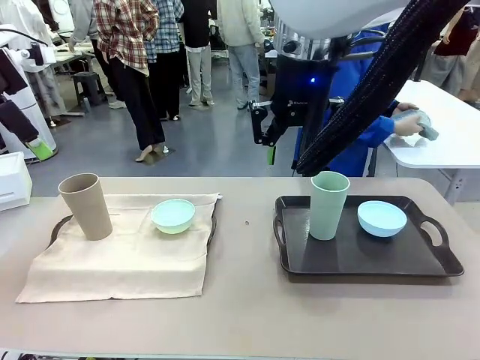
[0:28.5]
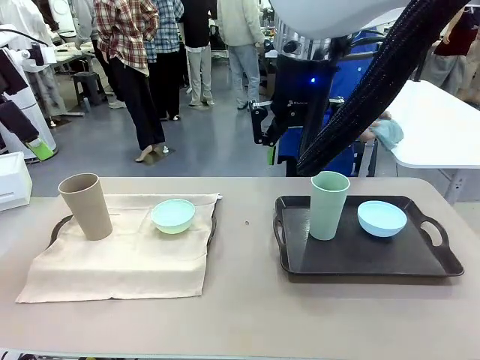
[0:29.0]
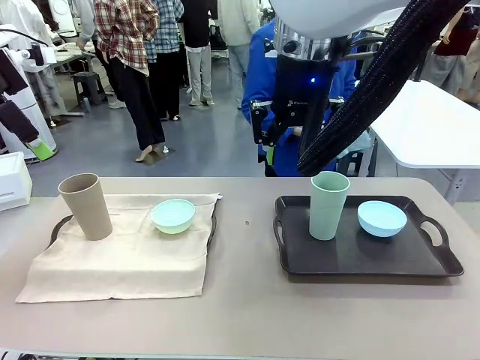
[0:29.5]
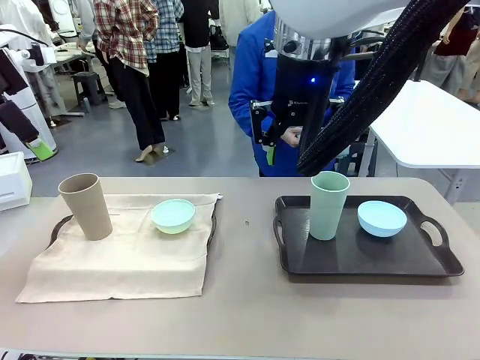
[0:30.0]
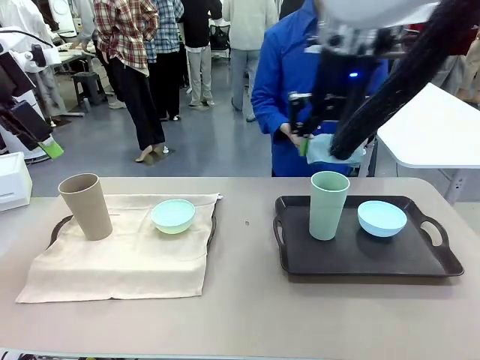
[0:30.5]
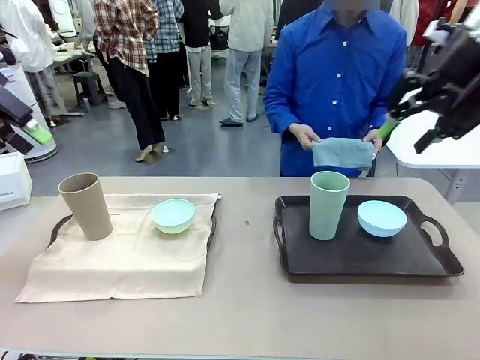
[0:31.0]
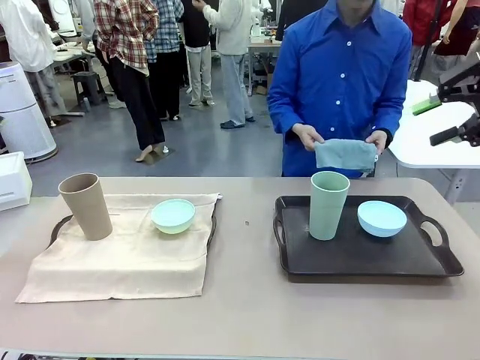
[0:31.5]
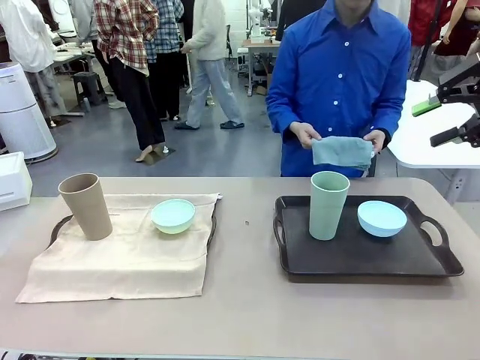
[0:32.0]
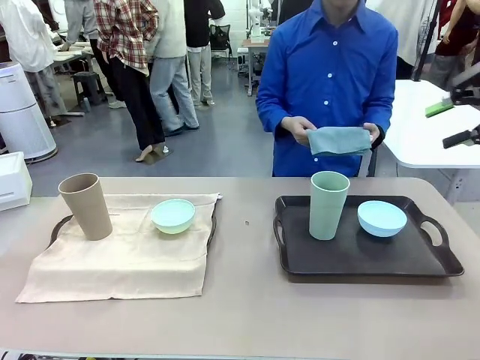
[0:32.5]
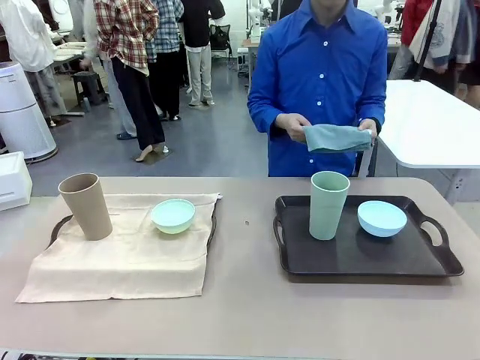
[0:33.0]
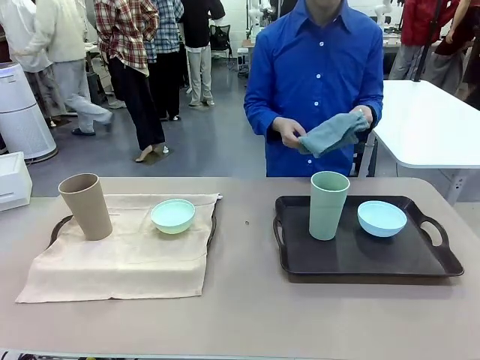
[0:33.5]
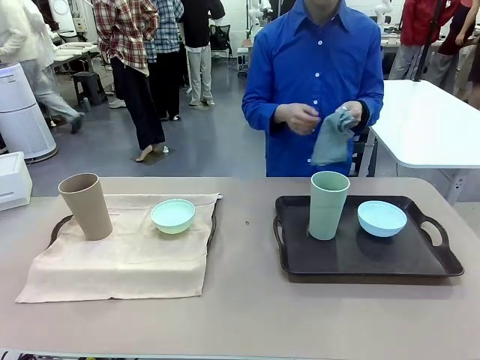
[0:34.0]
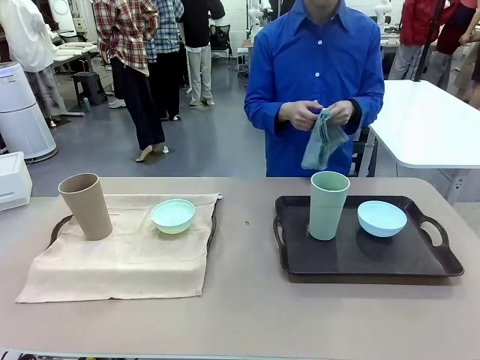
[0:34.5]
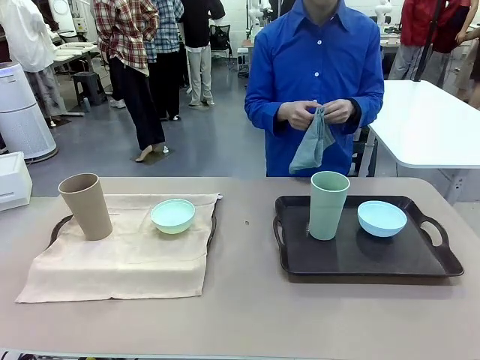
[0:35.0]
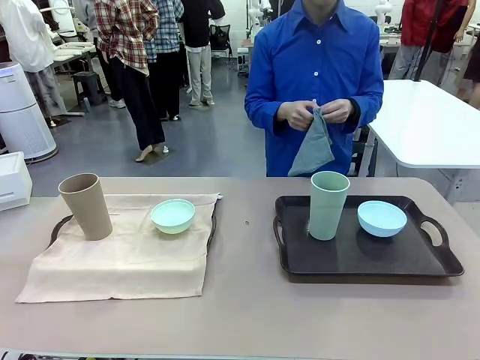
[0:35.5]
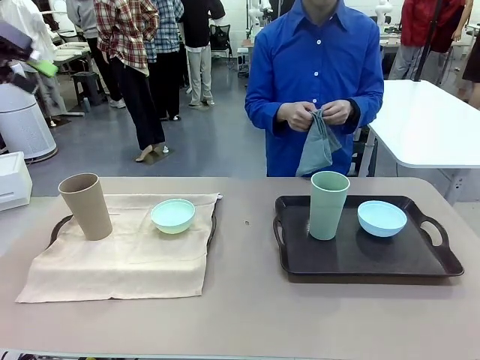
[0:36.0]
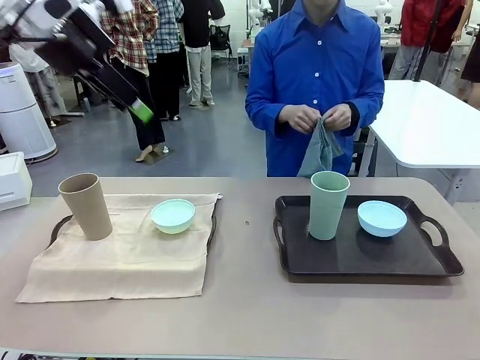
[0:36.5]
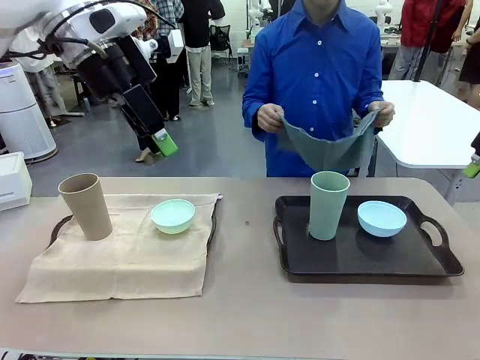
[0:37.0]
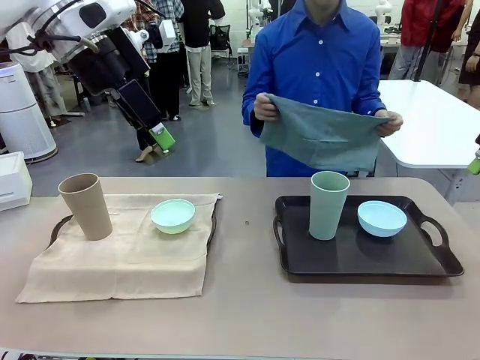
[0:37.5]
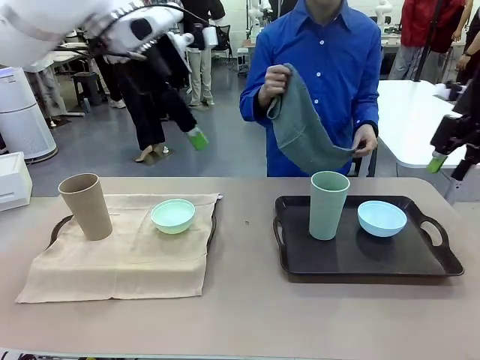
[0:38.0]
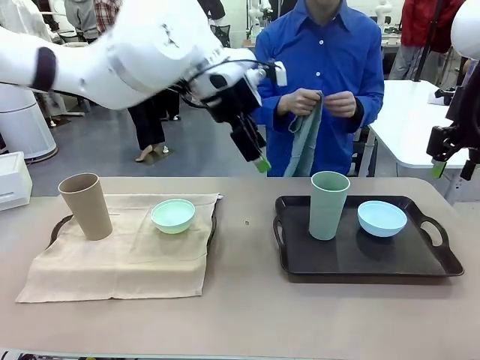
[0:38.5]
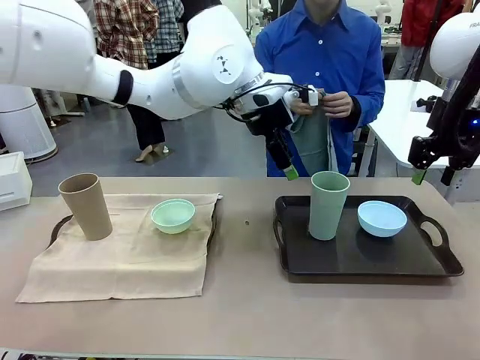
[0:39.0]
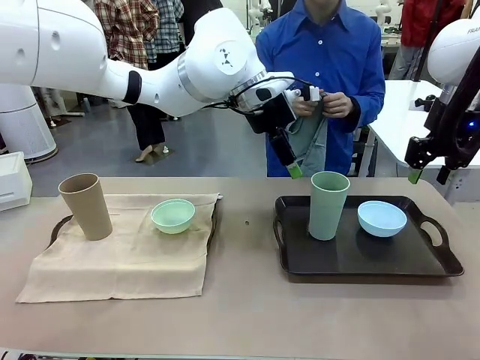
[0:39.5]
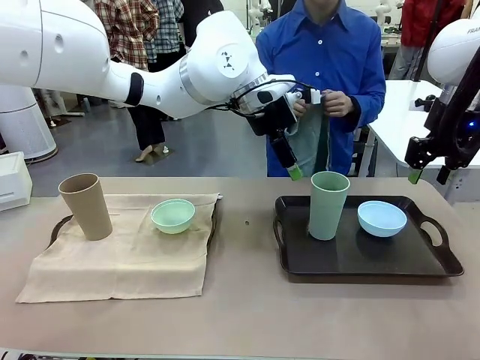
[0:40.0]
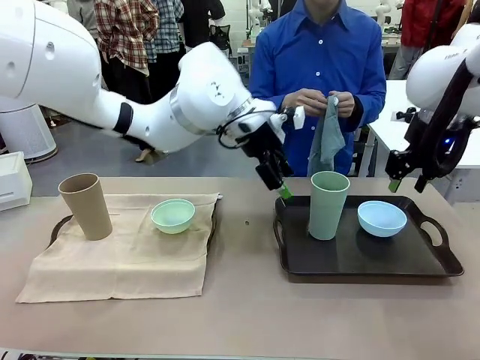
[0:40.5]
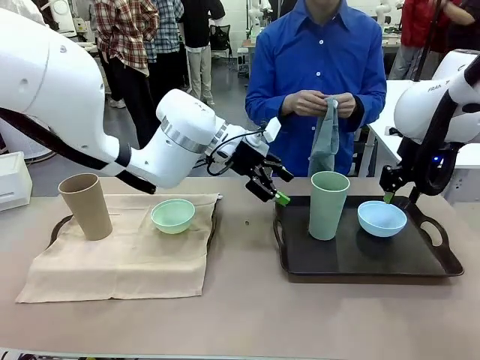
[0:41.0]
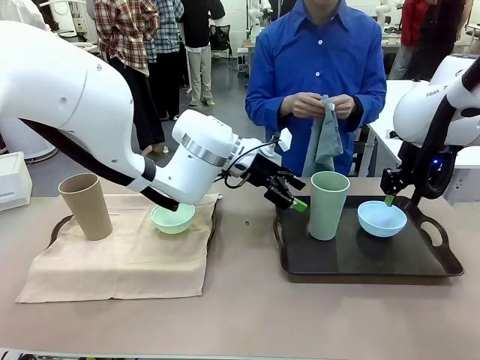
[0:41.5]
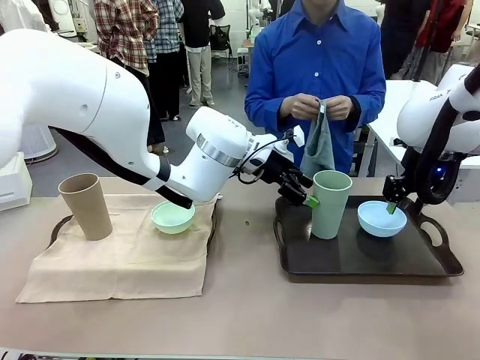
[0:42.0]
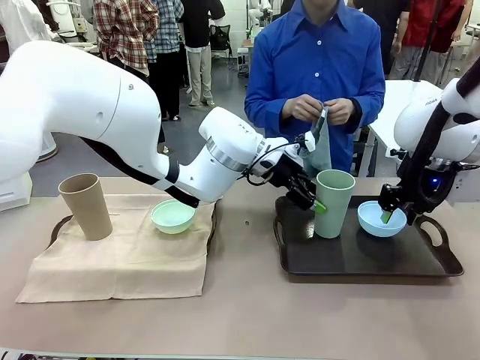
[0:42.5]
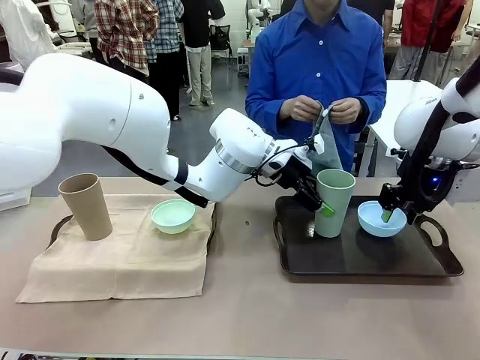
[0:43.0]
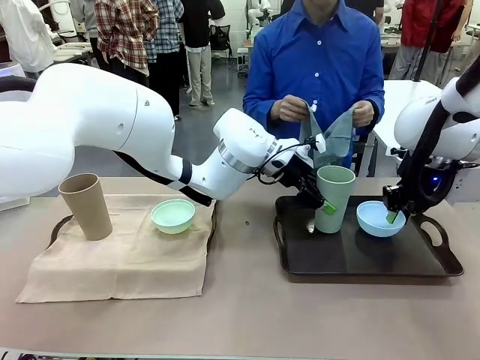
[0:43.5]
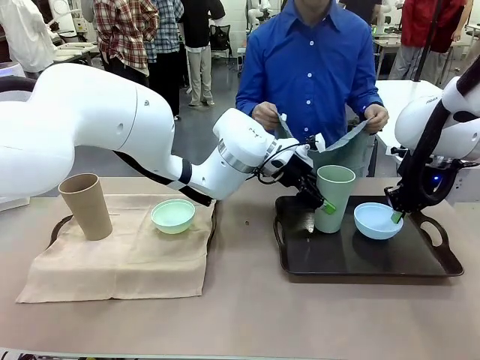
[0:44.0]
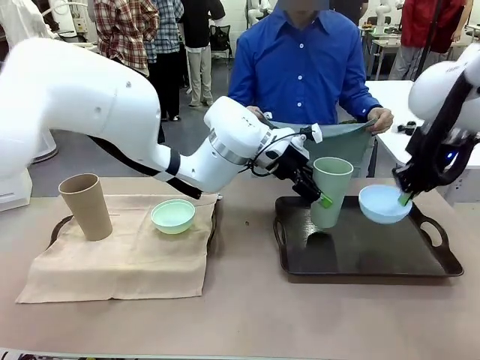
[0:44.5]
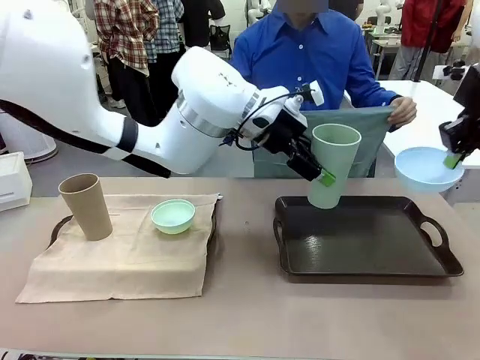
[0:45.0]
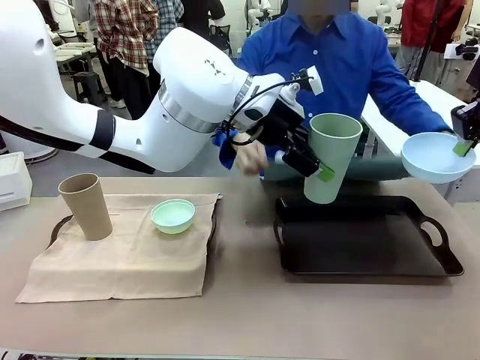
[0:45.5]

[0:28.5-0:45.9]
Robot: Pick up the Picnic Bowl and Reusable plastic cup from the Handle tray in front of the human's position and hold them in the air.
Person: When the robot lifts the bowl and the cup, the human unfolds the napkin and lays the napkin flat on the tray.

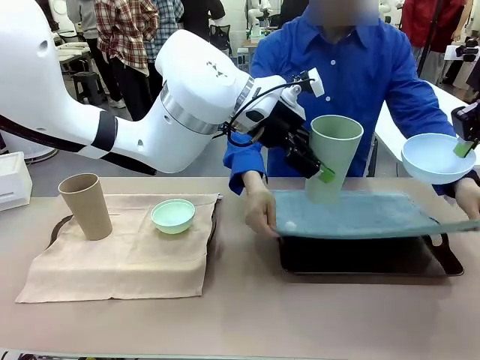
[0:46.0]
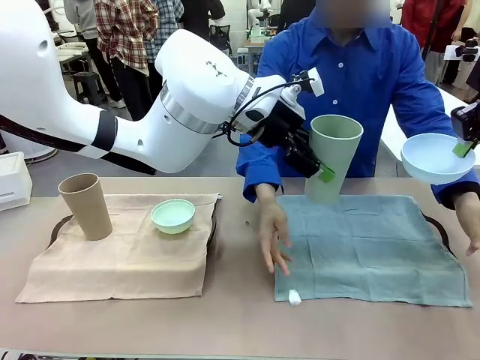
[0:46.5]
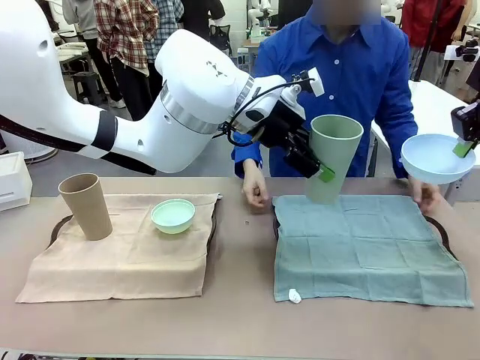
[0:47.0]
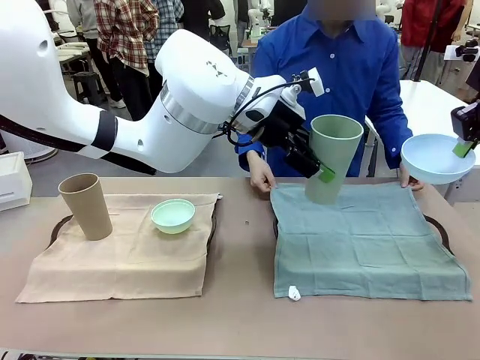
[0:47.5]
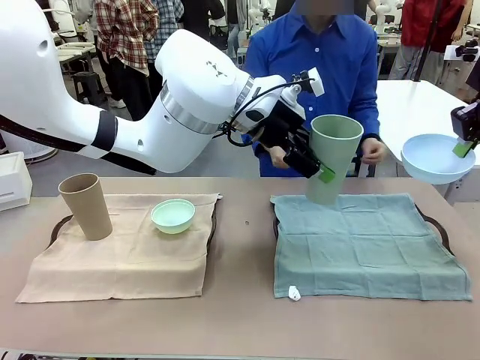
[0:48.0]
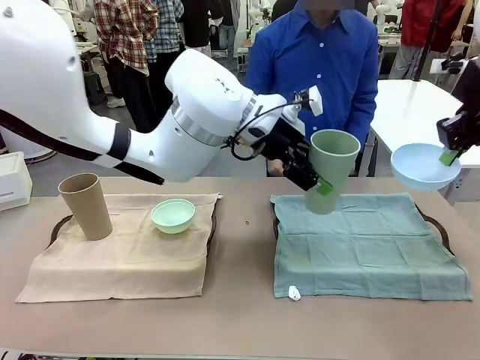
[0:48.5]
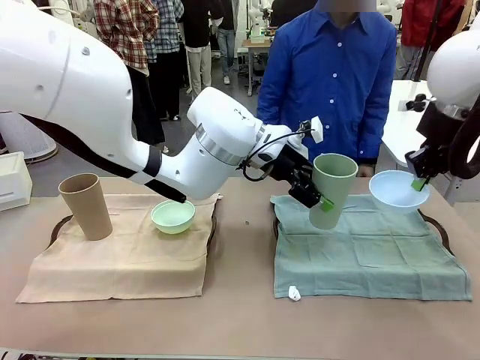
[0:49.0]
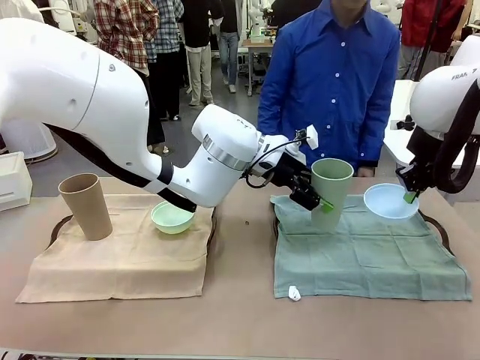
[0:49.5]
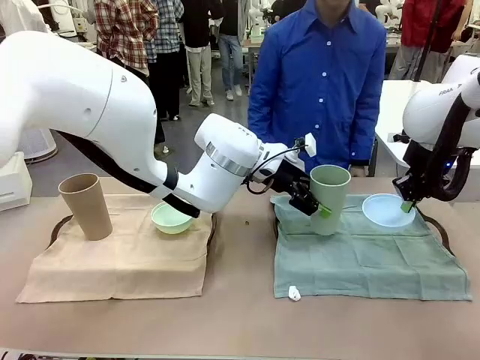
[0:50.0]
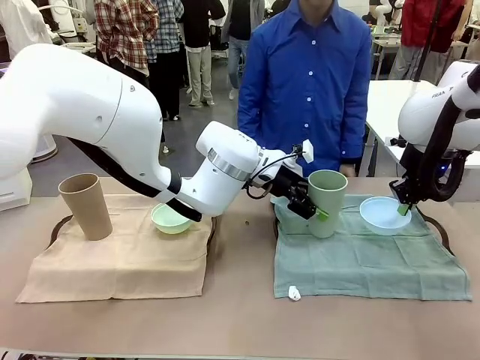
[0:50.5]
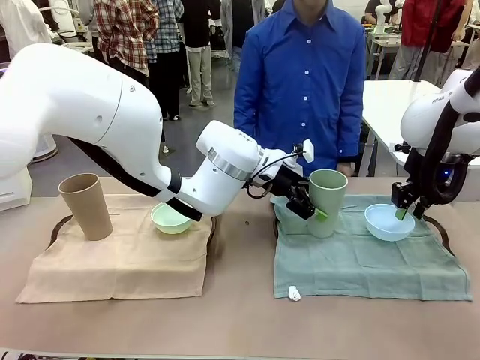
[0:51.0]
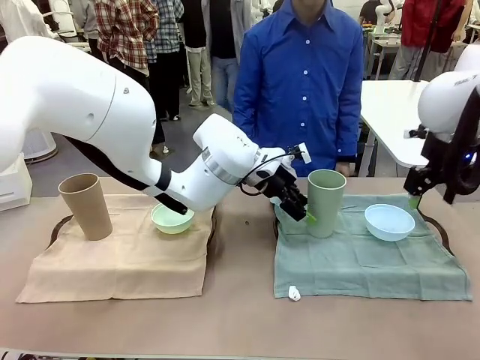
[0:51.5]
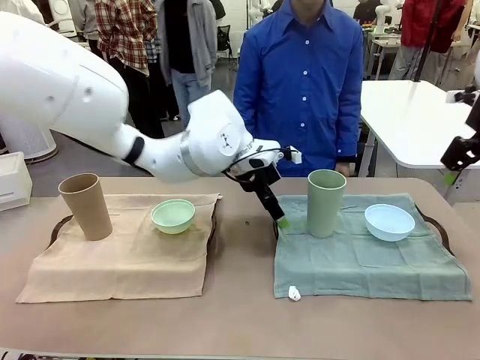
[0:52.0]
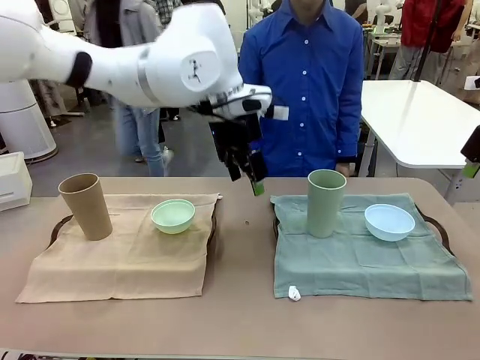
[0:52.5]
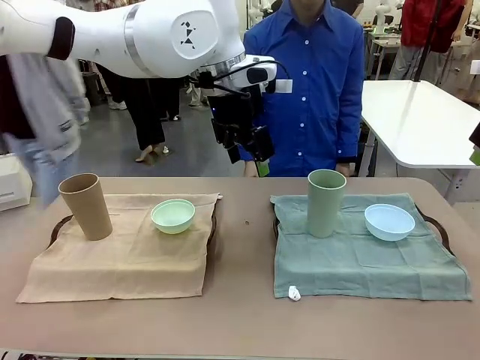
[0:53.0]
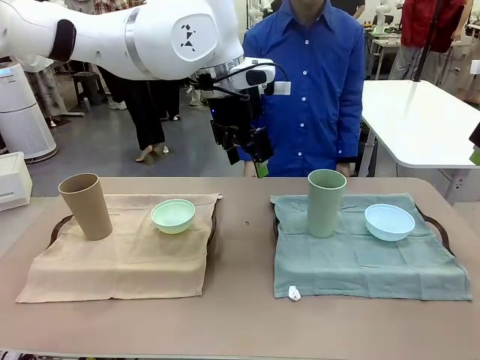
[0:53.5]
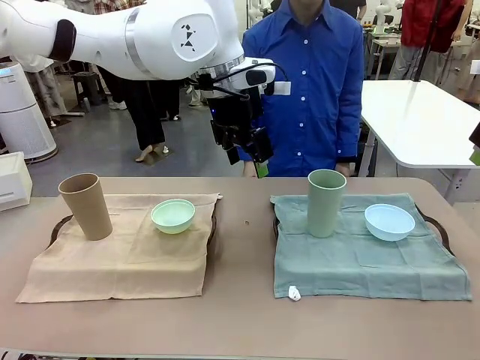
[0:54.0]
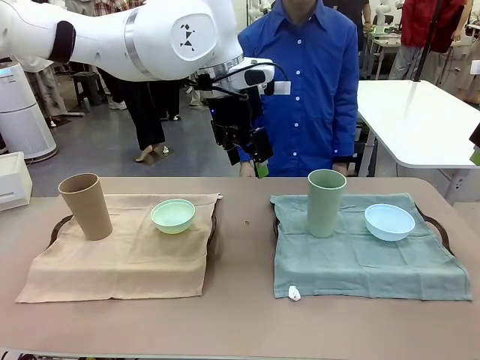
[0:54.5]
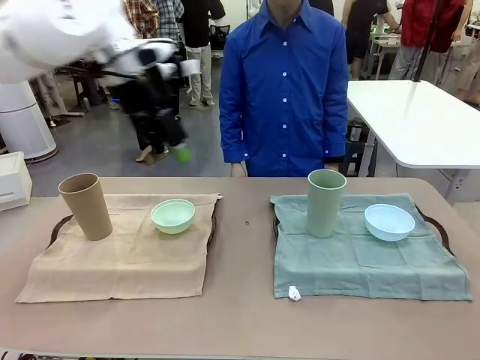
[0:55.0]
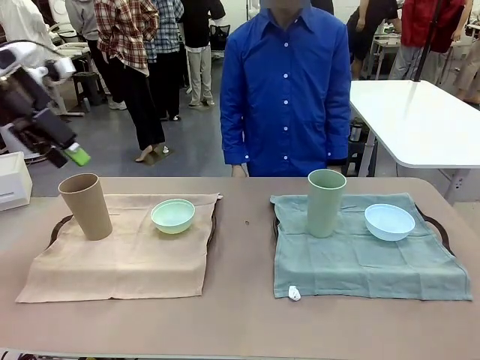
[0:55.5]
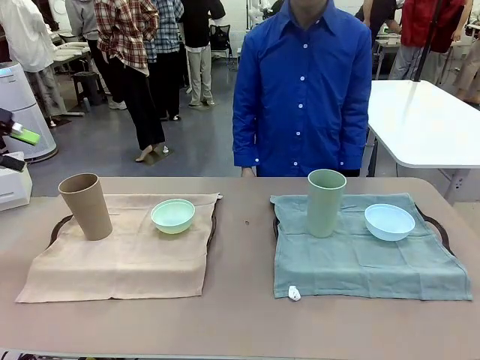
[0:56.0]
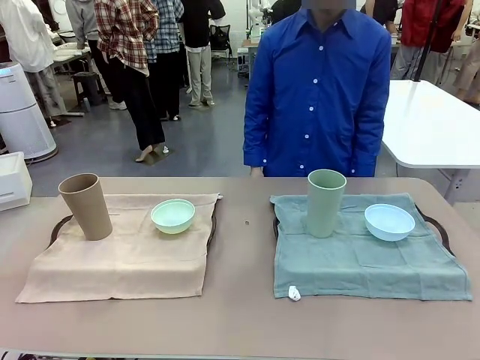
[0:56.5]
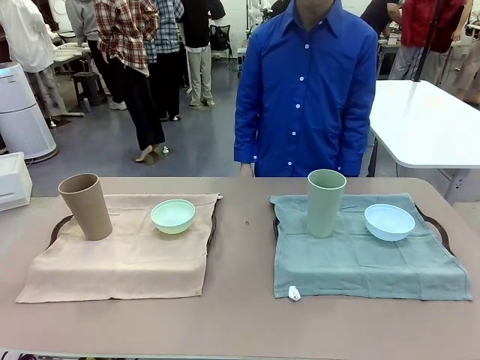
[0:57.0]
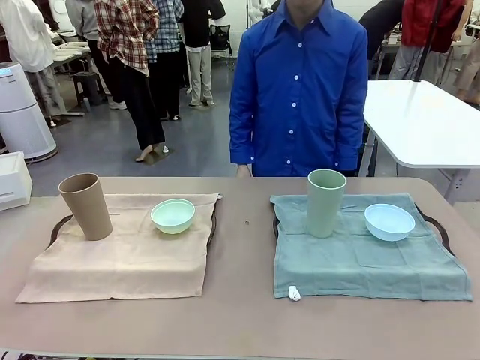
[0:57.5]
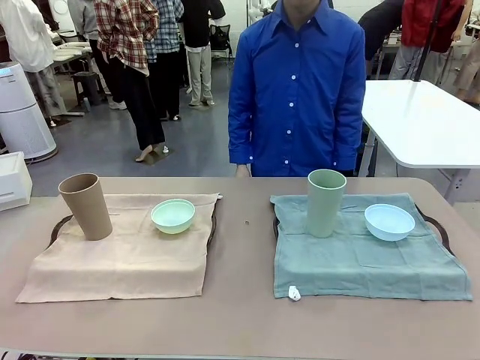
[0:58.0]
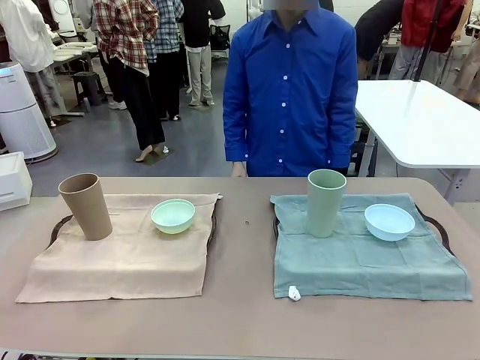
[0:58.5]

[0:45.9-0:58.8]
Robot: Place the Picnic Bowl and Reusable plastic cup back onto the Handle tray in front of the human's position.
